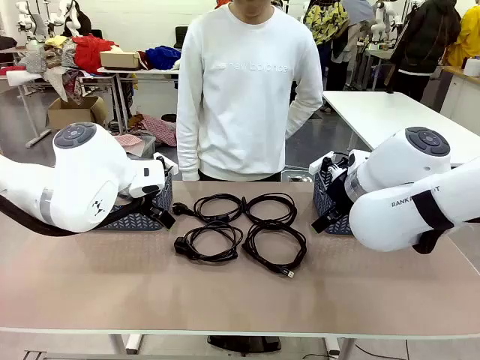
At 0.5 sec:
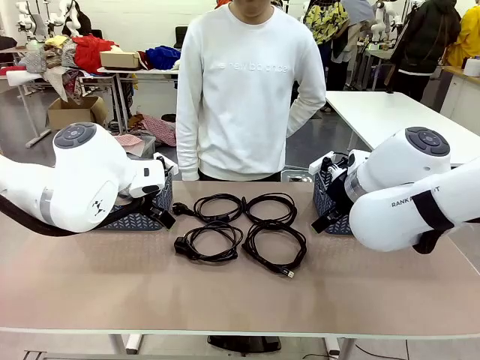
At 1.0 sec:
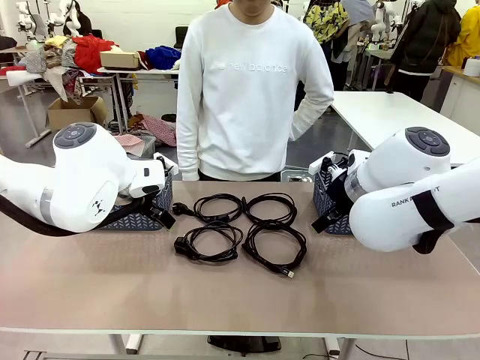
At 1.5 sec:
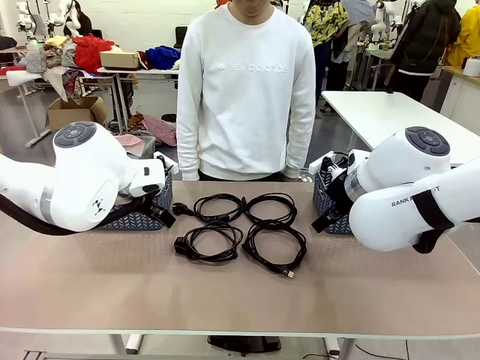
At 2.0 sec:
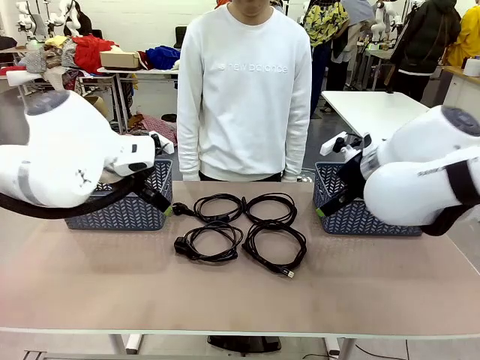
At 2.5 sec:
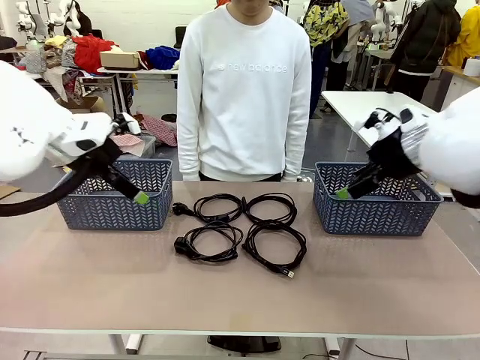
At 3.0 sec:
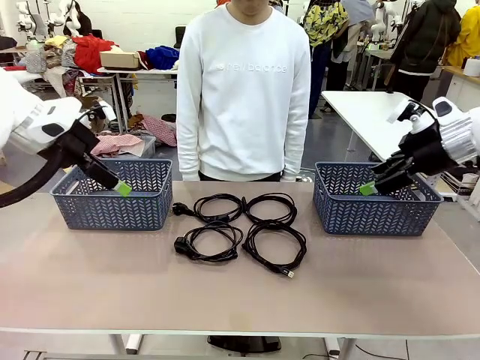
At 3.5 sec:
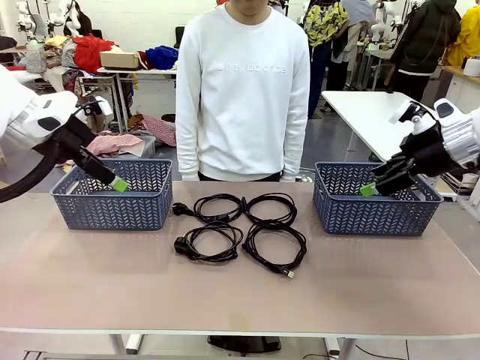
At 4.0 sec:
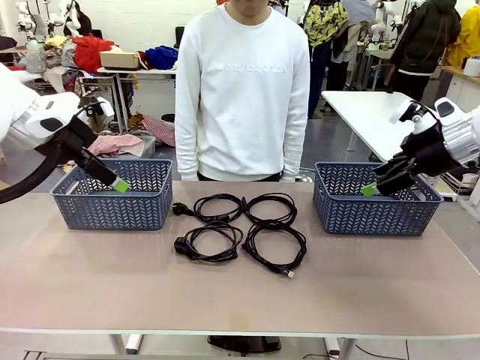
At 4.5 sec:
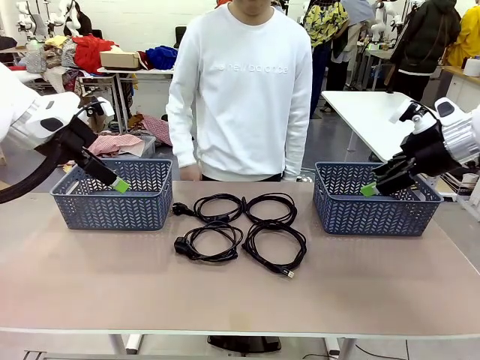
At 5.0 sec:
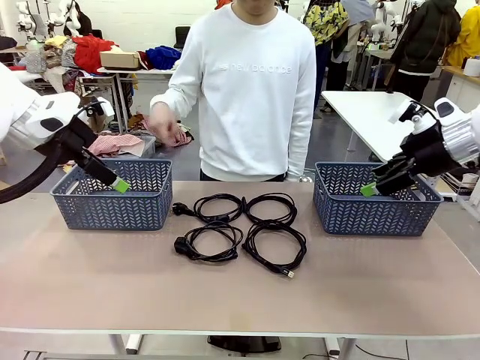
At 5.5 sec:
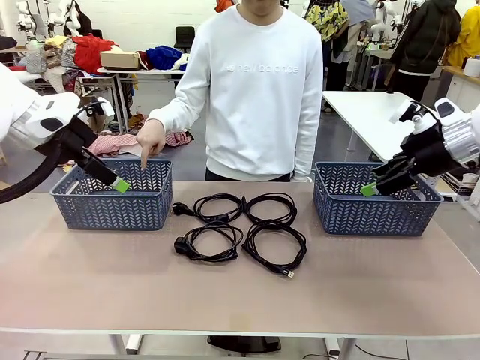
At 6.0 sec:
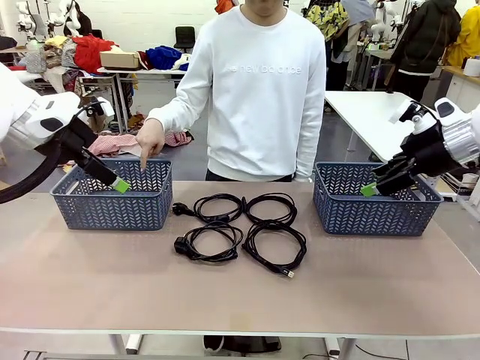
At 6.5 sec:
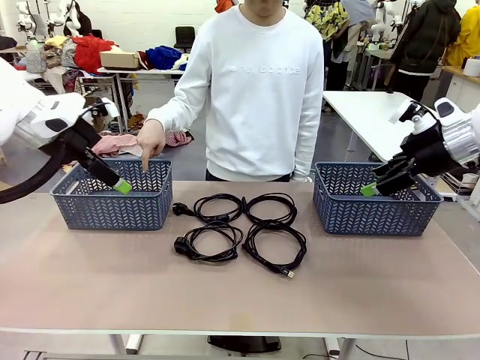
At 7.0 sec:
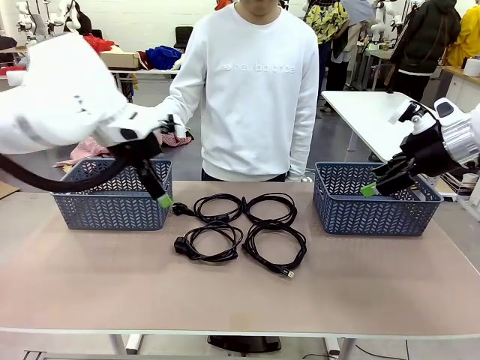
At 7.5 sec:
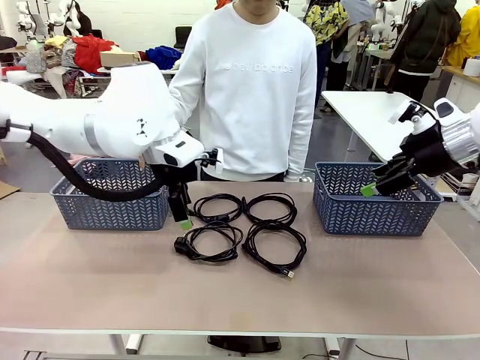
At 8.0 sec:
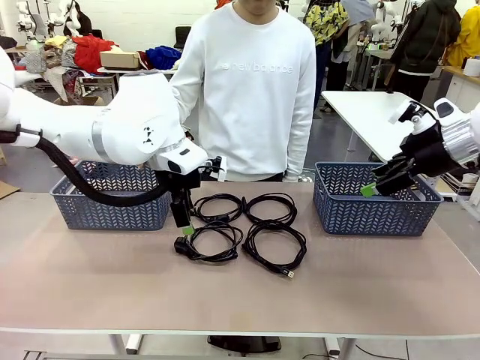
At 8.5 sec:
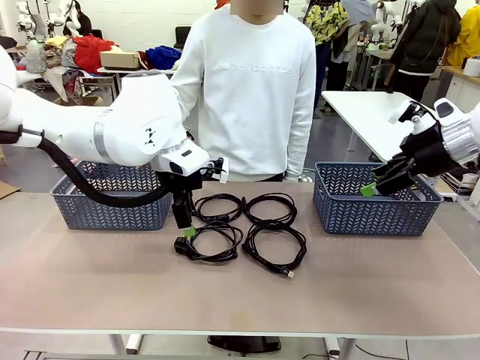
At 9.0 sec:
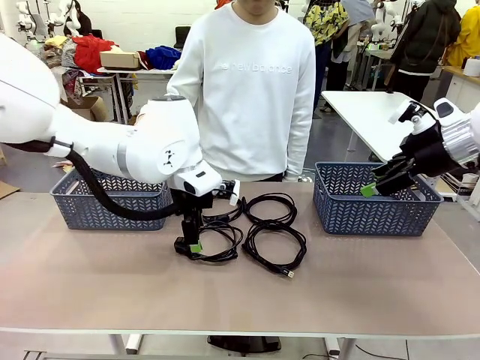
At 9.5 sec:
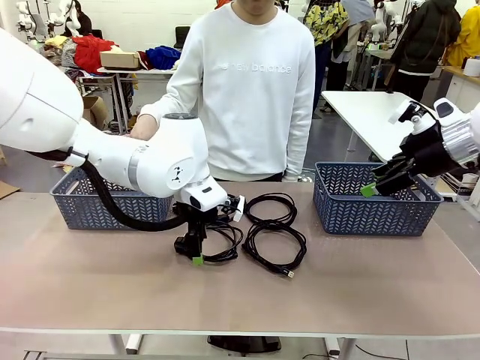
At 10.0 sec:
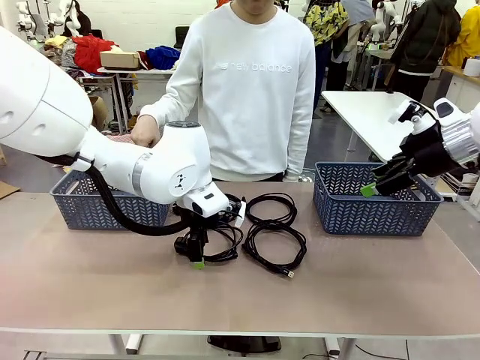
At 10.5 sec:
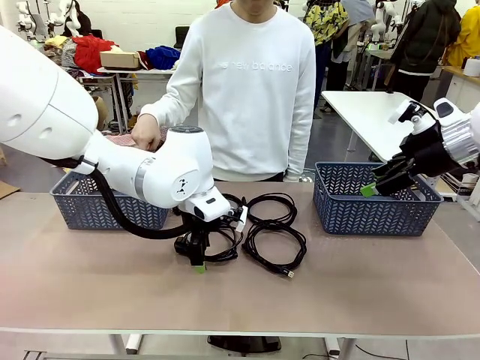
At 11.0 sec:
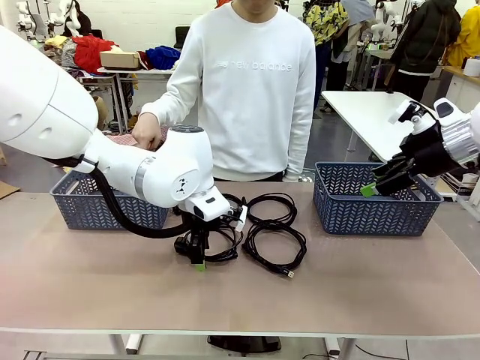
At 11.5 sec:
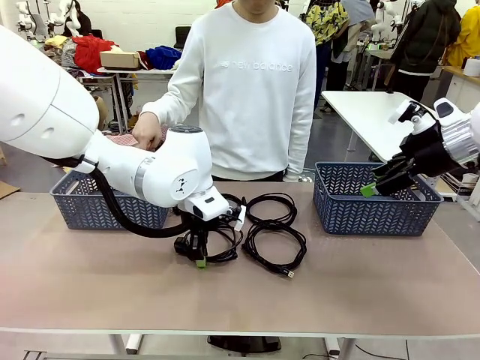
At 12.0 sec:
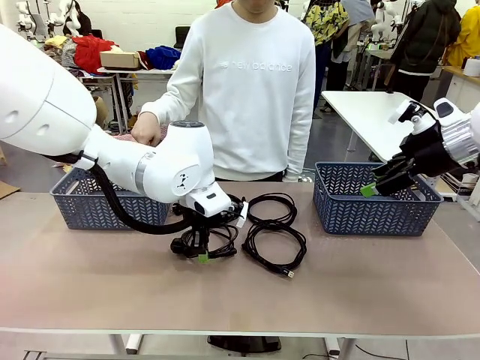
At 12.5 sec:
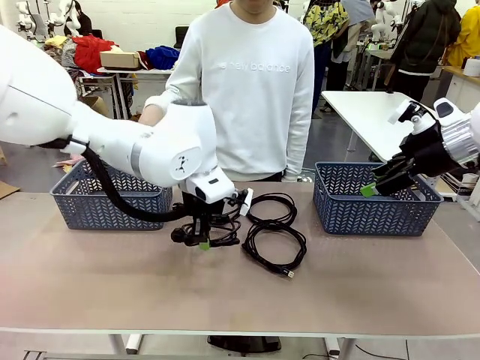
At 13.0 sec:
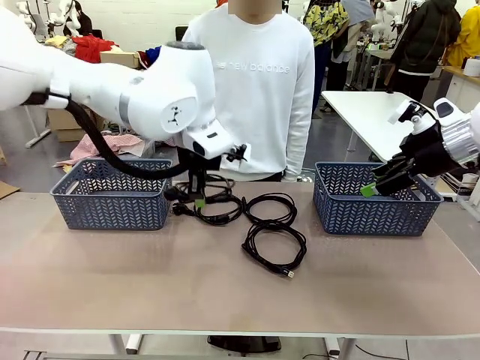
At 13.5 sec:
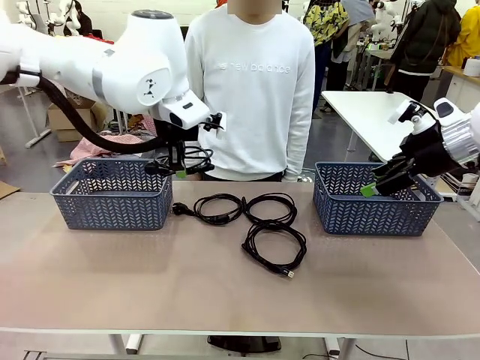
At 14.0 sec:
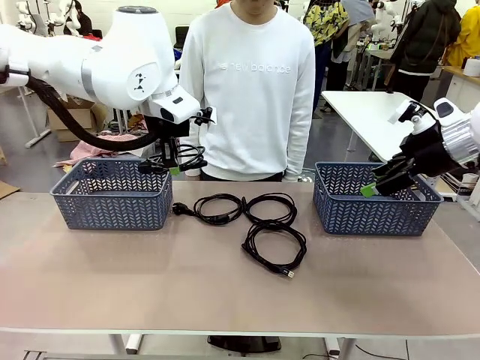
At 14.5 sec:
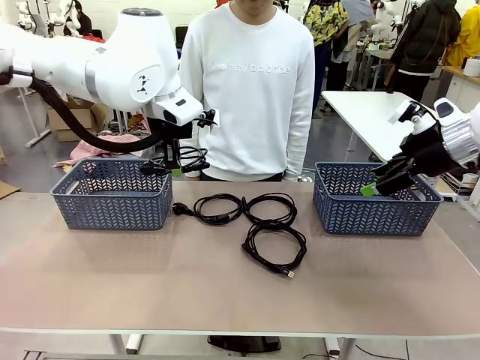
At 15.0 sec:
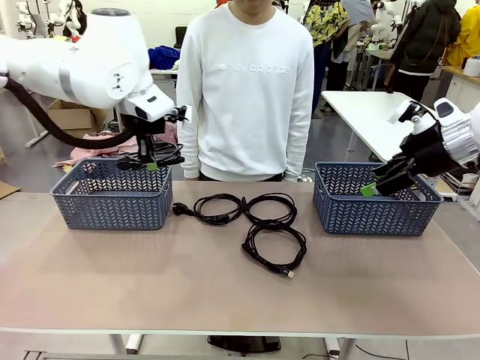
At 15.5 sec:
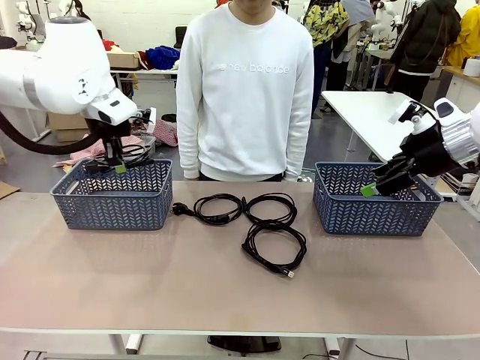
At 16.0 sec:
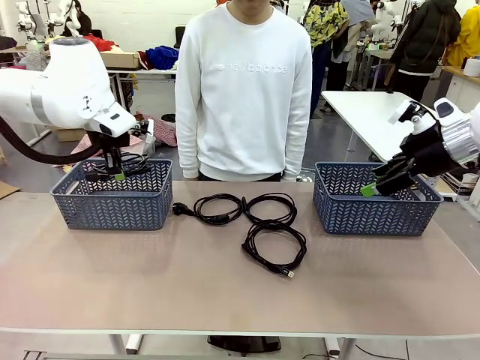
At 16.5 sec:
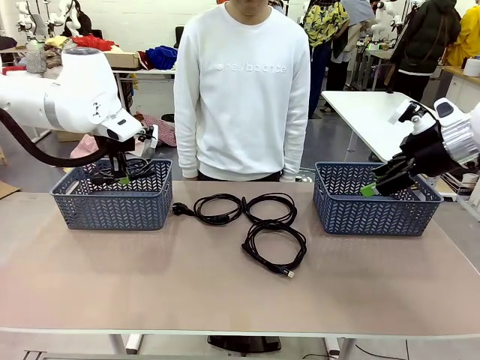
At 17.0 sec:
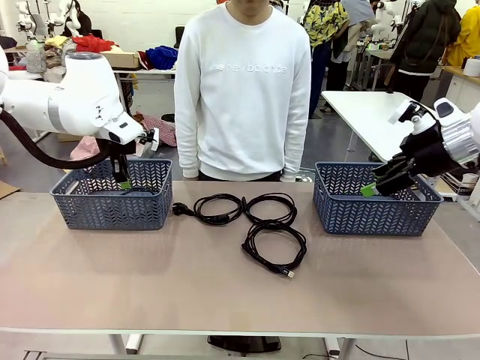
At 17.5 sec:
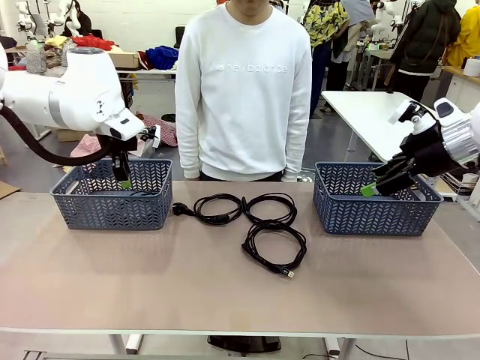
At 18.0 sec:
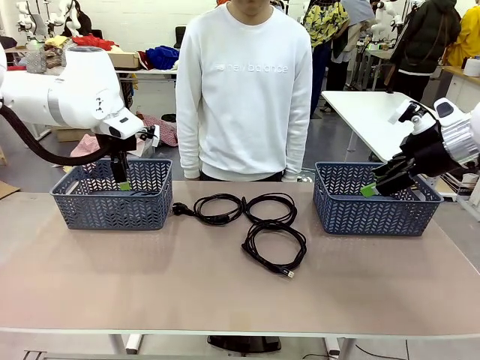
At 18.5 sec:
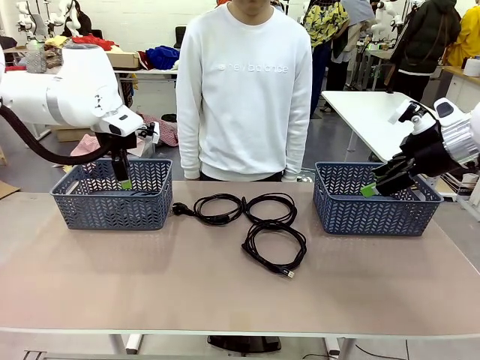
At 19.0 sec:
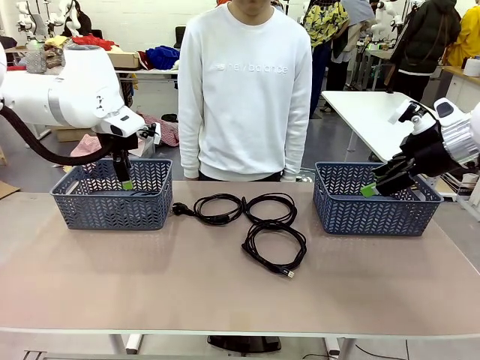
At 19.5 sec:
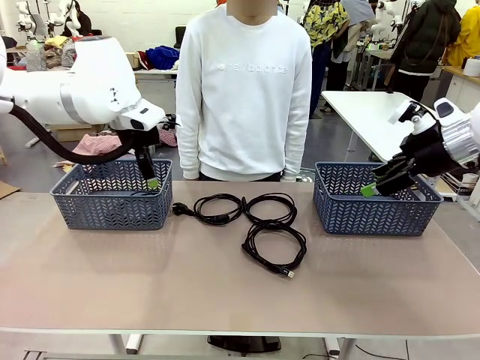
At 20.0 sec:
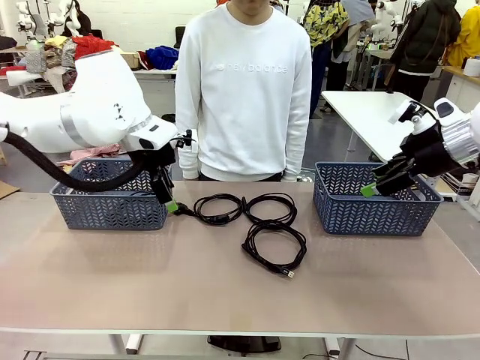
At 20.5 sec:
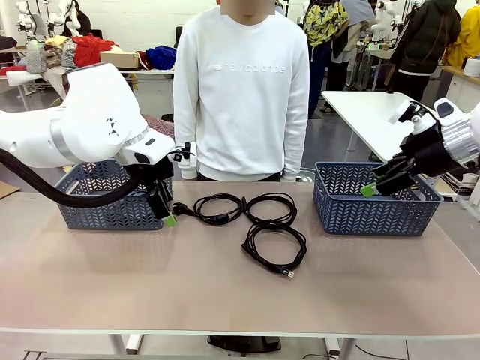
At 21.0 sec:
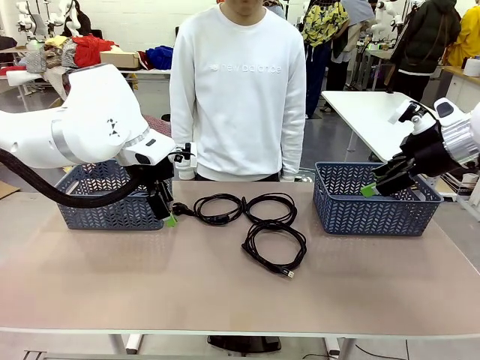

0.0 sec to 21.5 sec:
Task: Organize the cables according to human instructions.
Robot: Pick up a bundle of cables and place it in the basket indicated by the human.
